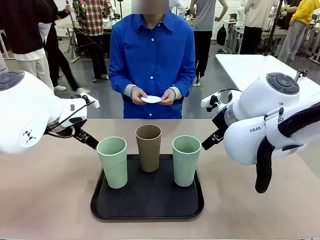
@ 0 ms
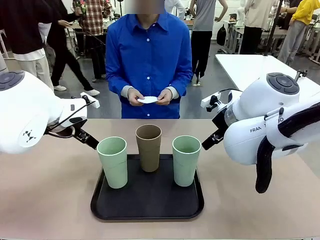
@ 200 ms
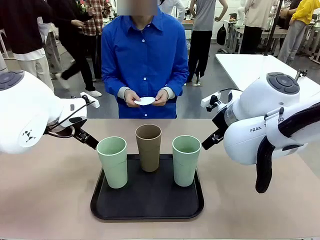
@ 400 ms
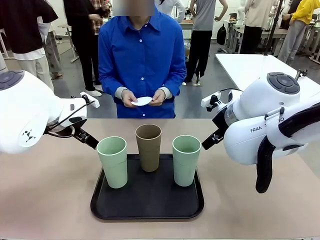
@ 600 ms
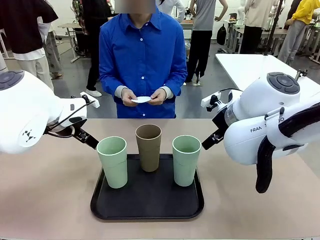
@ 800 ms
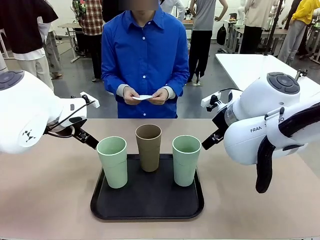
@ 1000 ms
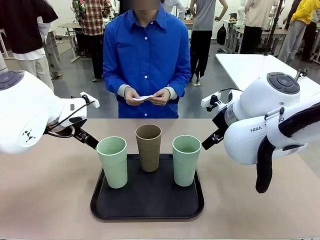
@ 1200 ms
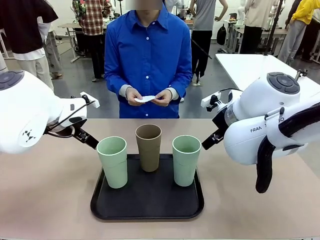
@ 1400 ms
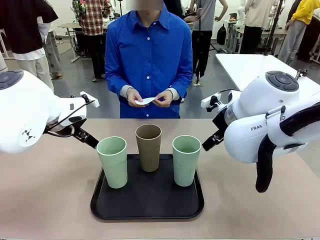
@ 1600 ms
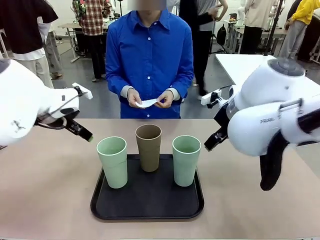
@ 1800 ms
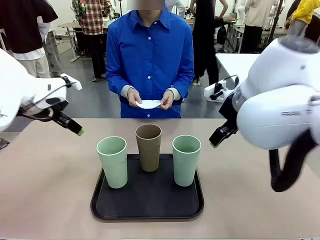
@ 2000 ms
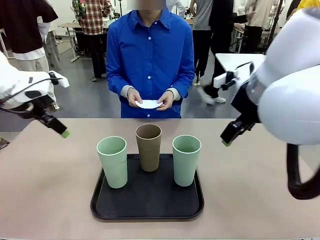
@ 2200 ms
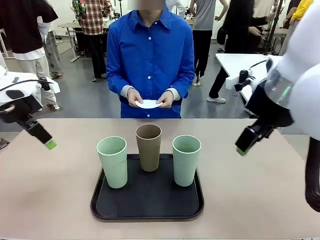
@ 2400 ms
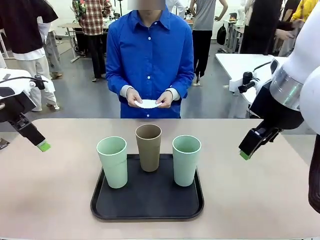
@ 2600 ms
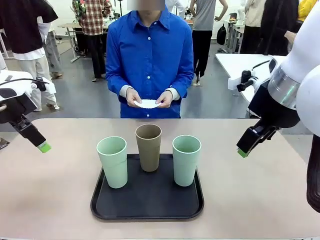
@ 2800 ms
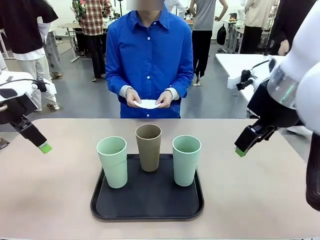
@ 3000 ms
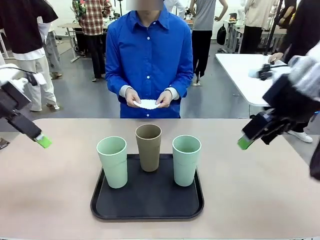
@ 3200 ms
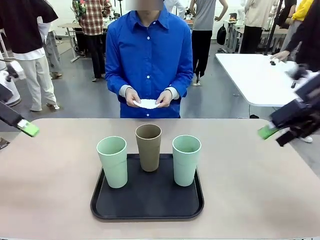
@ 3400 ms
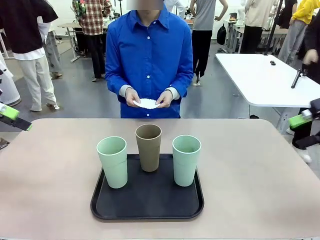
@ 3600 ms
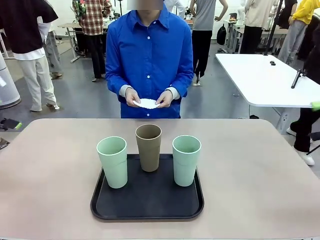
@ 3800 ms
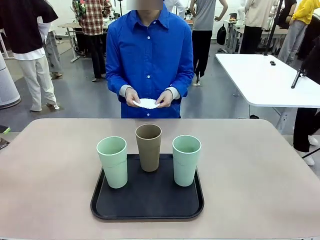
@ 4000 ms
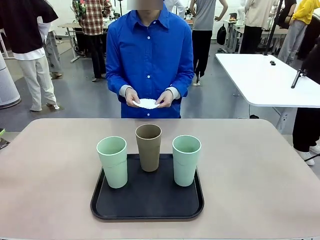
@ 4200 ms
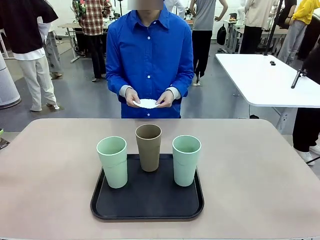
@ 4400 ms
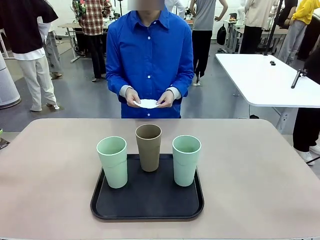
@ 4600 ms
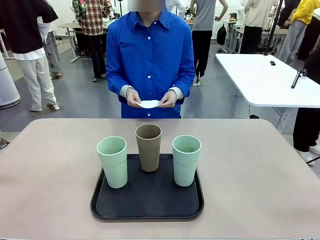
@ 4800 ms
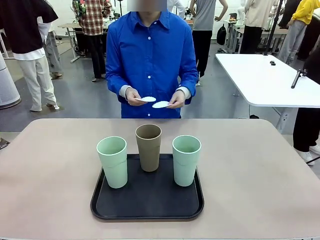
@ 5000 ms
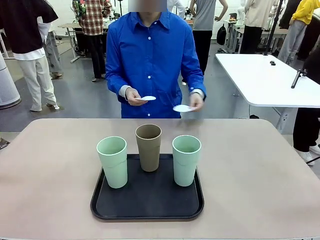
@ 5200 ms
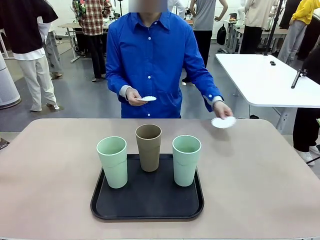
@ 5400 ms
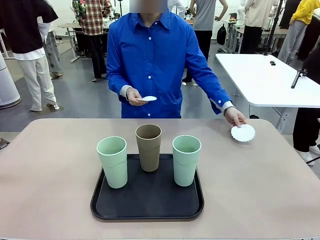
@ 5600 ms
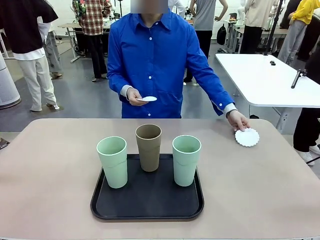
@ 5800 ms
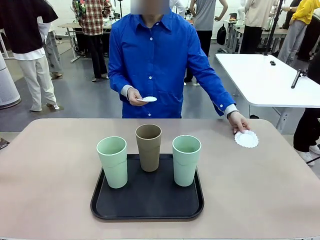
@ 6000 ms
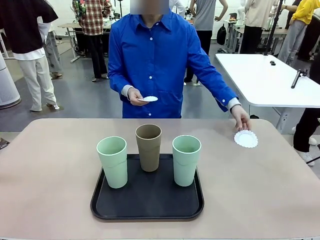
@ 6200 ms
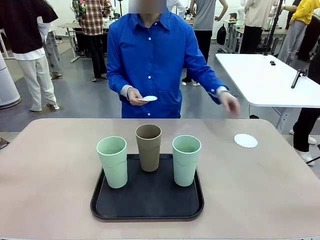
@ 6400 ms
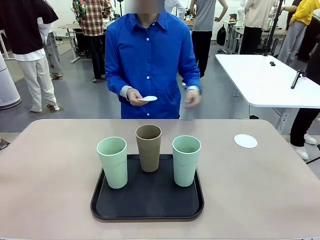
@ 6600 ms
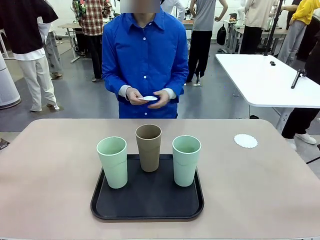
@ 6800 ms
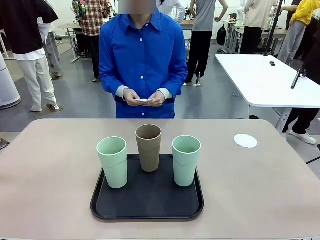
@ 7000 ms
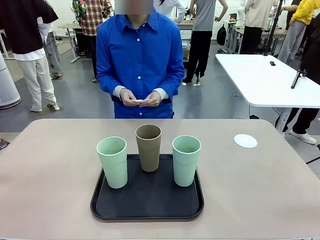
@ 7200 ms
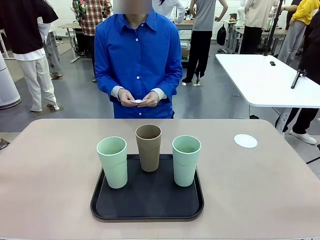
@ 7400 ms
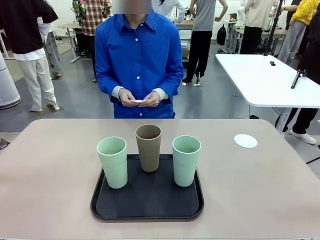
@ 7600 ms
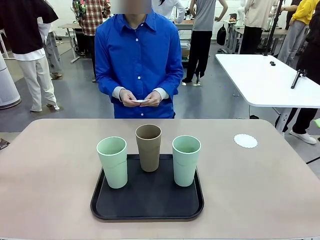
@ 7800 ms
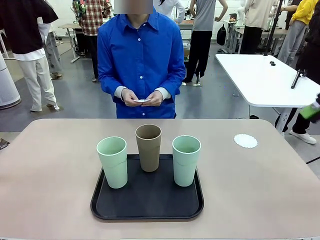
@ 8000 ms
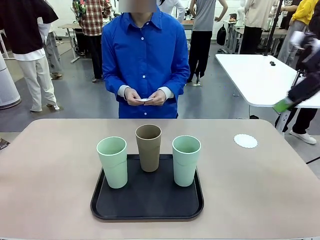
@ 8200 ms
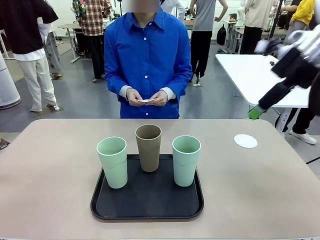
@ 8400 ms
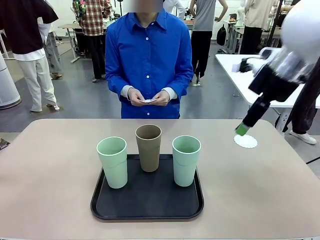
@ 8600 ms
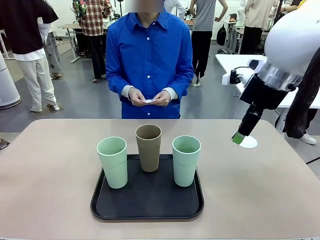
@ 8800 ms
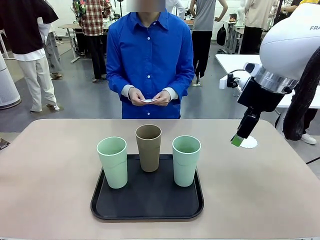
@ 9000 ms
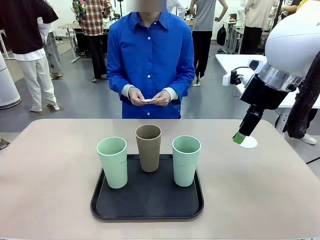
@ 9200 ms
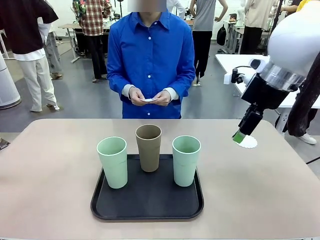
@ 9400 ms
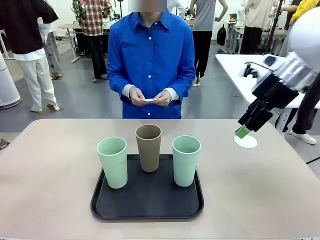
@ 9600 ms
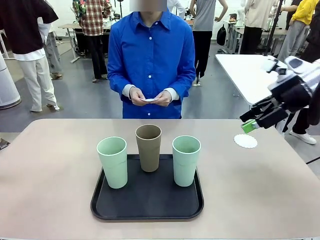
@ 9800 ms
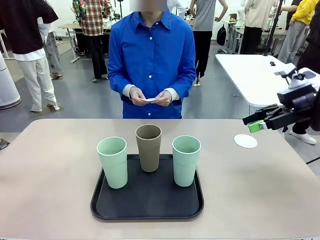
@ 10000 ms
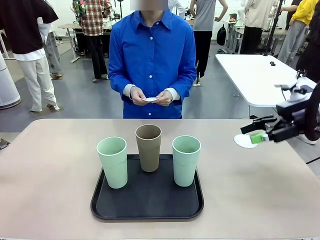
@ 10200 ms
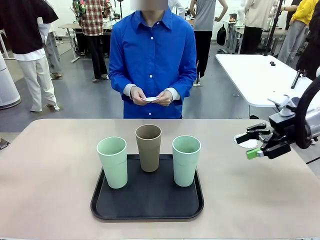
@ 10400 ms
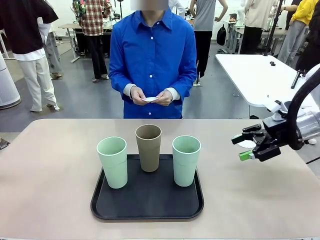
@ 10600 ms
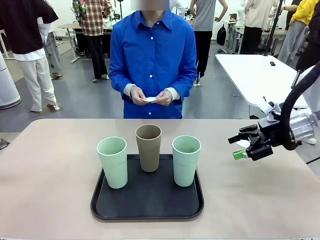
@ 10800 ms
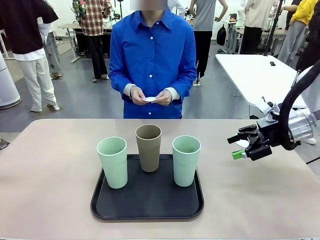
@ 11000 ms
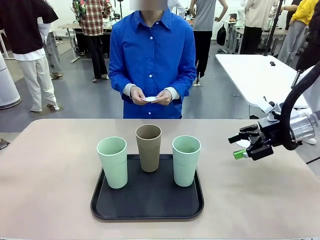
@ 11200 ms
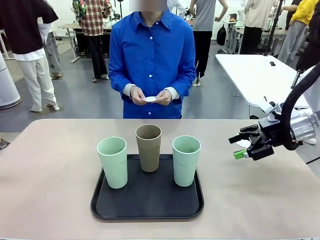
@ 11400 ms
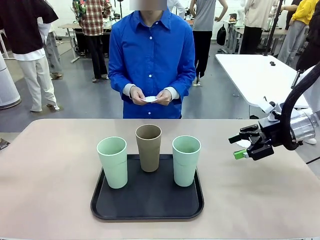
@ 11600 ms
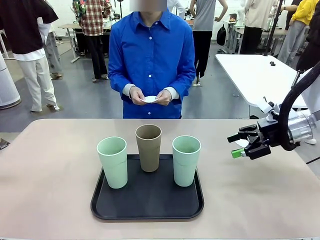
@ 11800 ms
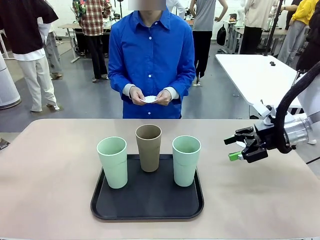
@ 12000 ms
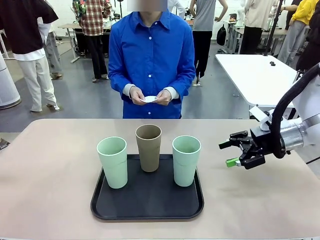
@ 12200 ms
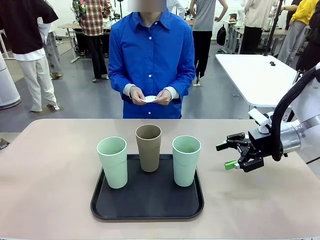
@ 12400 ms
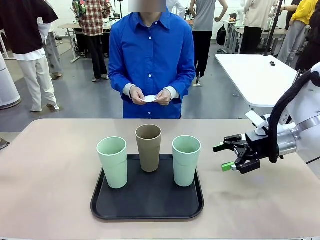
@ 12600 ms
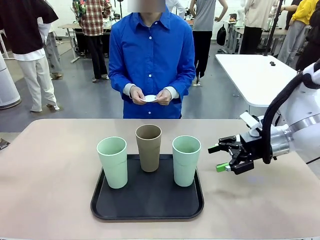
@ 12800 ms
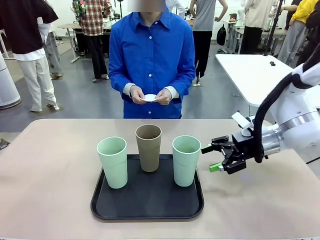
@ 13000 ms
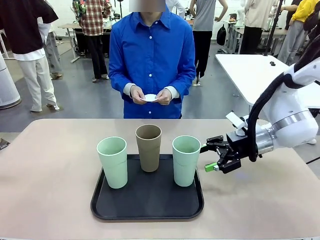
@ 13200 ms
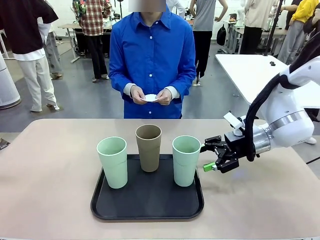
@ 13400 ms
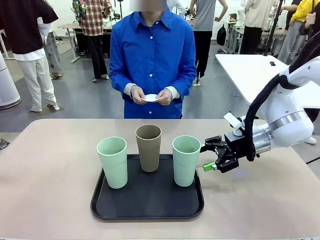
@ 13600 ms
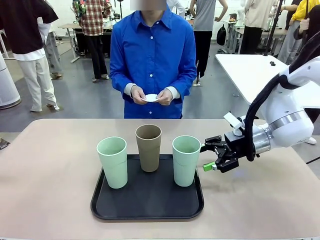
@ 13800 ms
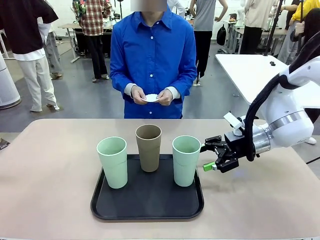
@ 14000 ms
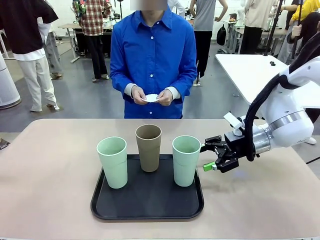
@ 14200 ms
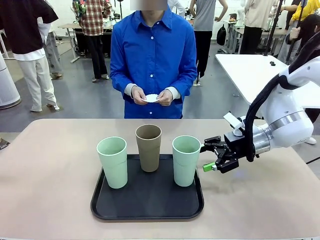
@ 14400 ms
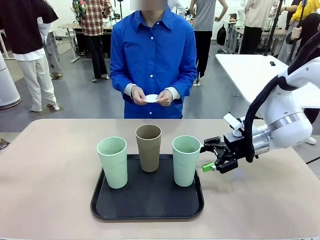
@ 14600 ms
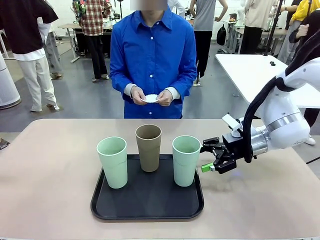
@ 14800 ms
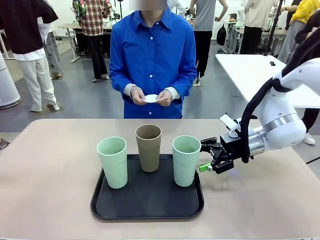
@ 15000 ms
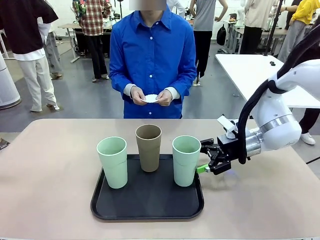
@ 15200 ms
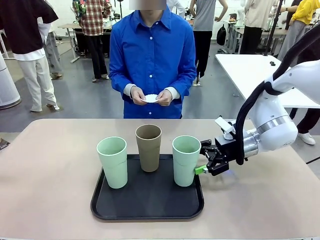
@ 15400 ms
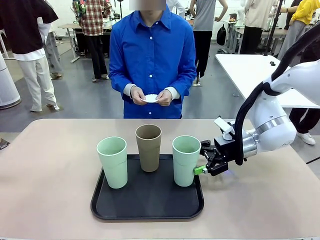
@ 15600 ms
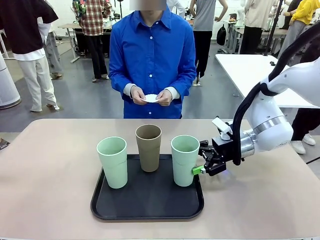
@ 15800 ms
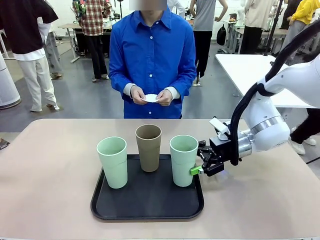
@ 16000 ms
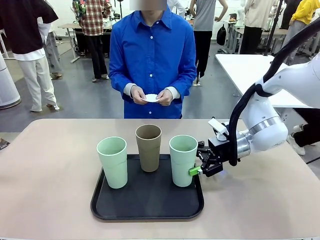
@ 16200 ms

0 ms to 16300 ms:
Task: Place coasters on the table and set cups on them.
Robot: Pick up one Reusable plastic cup and place it on a coaster set by the human.
Person: Place one coaster in any one of the three lower areas of the robot table (left, center, or right).
